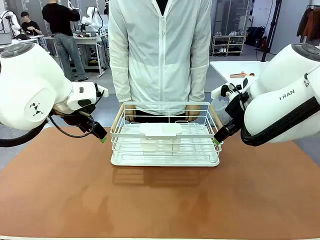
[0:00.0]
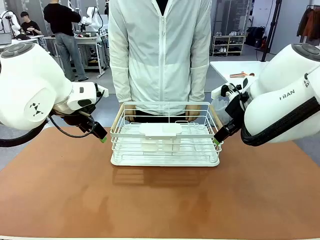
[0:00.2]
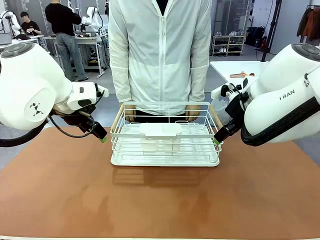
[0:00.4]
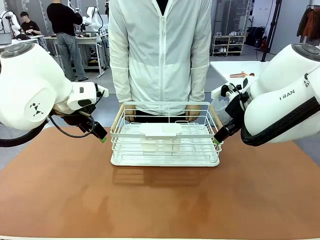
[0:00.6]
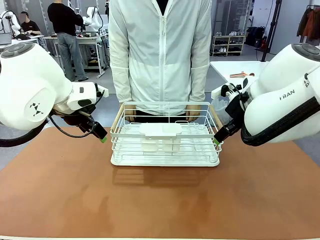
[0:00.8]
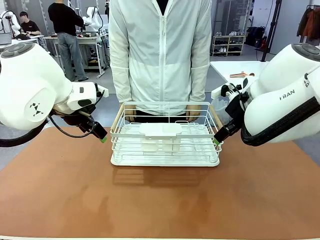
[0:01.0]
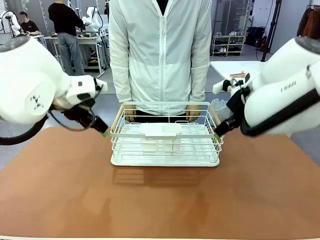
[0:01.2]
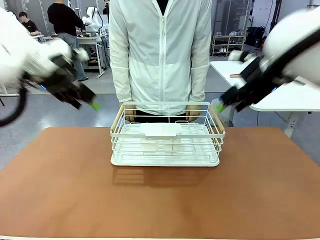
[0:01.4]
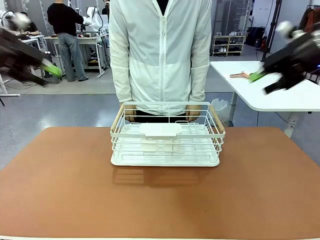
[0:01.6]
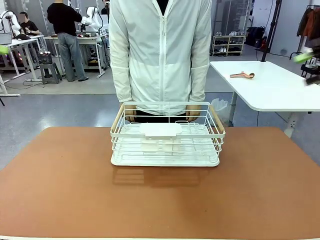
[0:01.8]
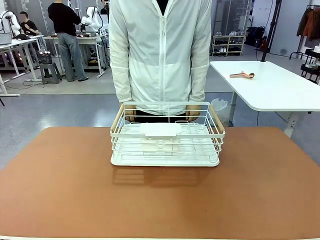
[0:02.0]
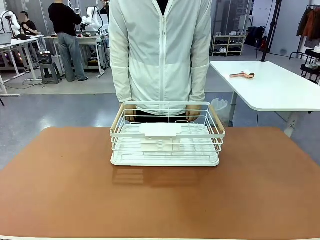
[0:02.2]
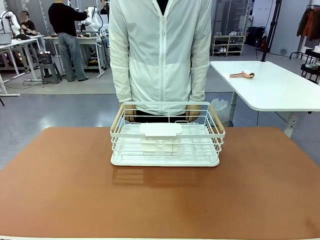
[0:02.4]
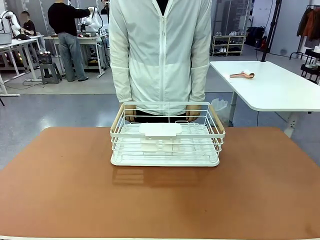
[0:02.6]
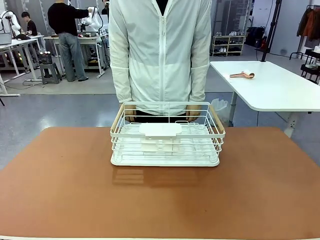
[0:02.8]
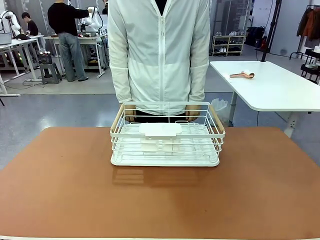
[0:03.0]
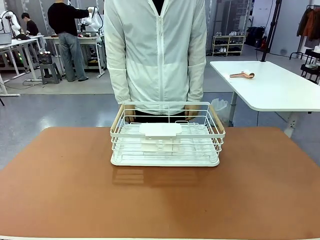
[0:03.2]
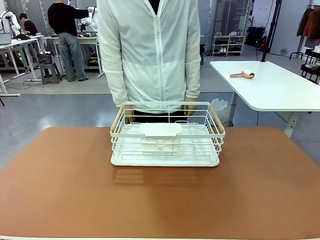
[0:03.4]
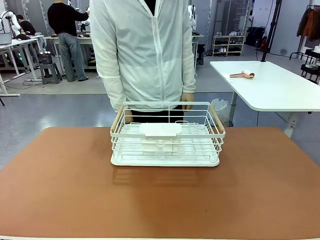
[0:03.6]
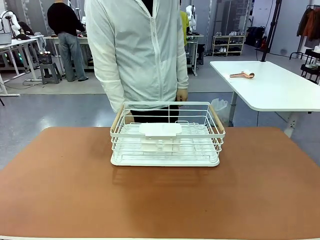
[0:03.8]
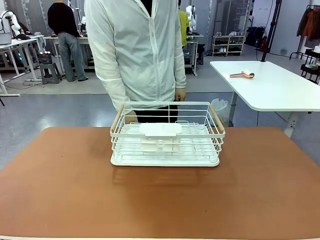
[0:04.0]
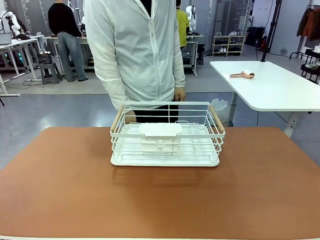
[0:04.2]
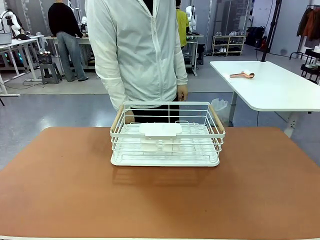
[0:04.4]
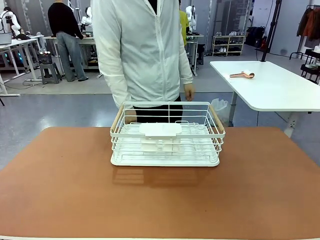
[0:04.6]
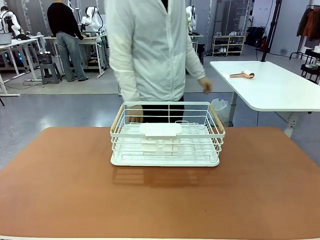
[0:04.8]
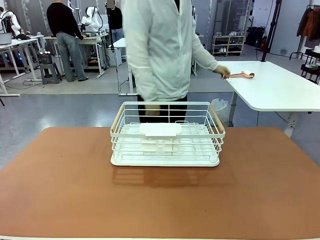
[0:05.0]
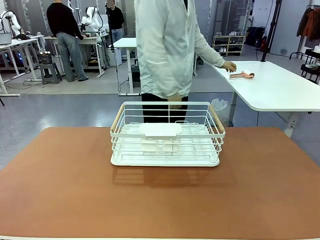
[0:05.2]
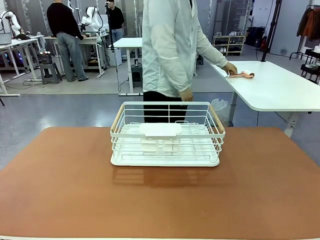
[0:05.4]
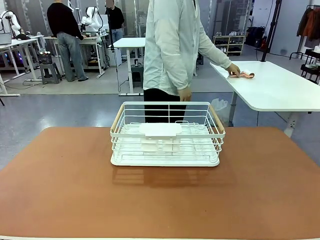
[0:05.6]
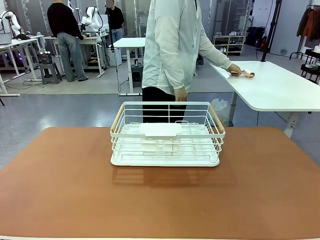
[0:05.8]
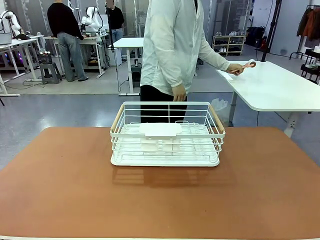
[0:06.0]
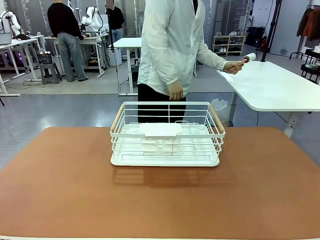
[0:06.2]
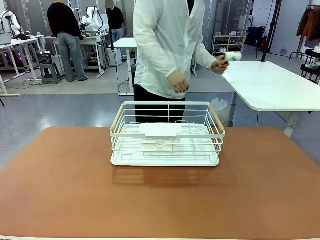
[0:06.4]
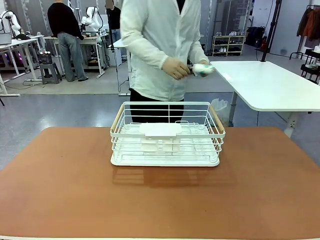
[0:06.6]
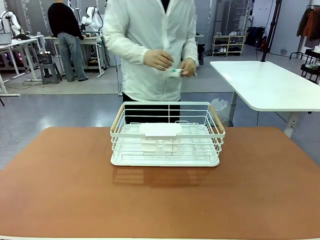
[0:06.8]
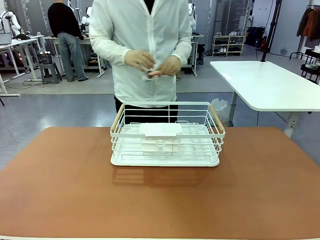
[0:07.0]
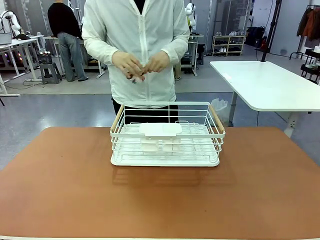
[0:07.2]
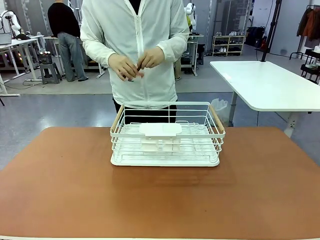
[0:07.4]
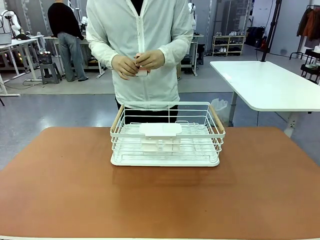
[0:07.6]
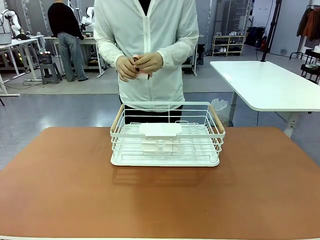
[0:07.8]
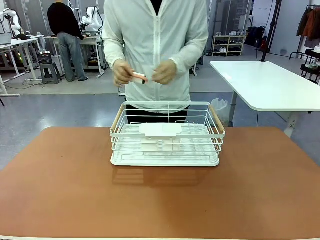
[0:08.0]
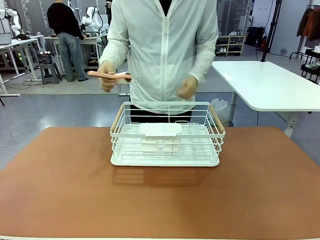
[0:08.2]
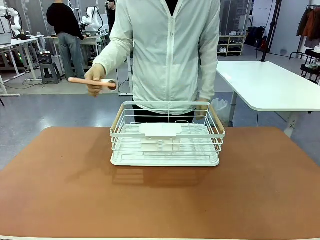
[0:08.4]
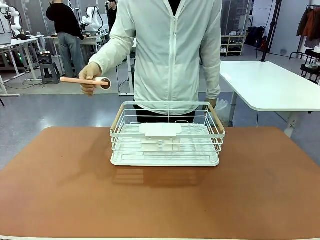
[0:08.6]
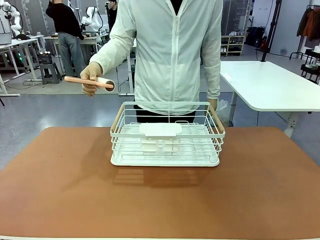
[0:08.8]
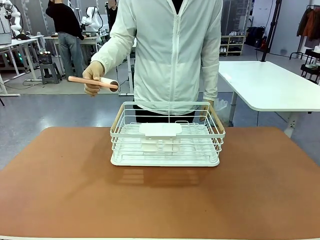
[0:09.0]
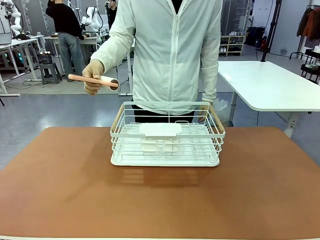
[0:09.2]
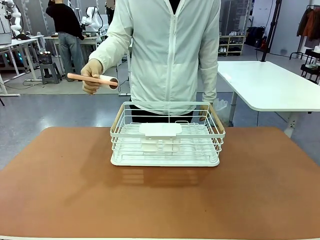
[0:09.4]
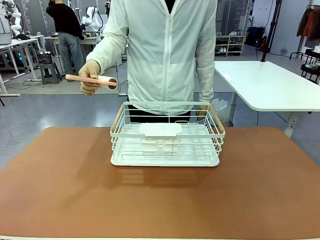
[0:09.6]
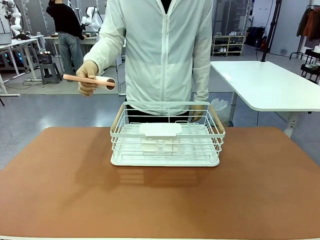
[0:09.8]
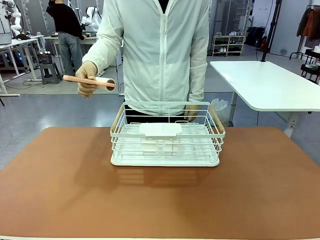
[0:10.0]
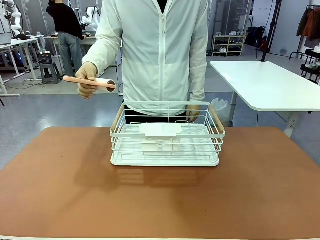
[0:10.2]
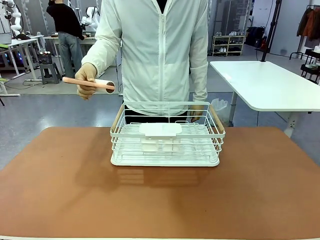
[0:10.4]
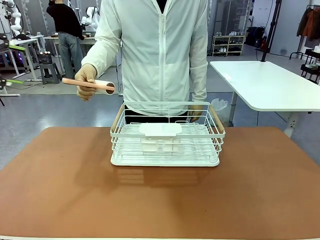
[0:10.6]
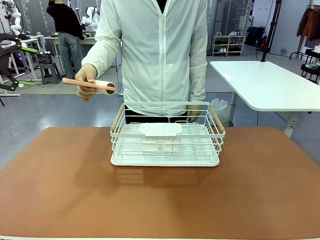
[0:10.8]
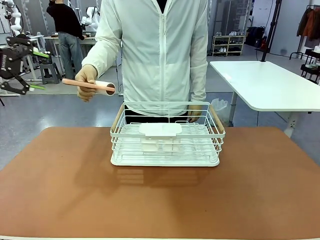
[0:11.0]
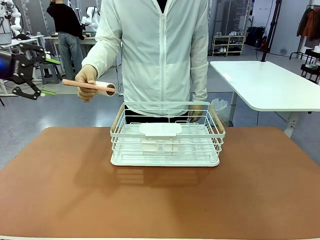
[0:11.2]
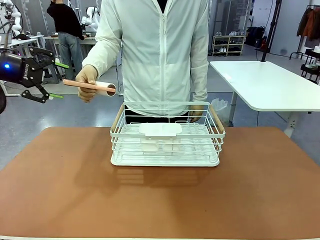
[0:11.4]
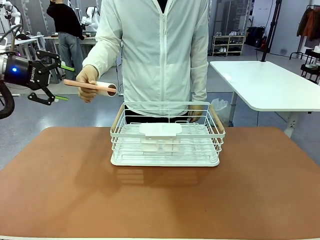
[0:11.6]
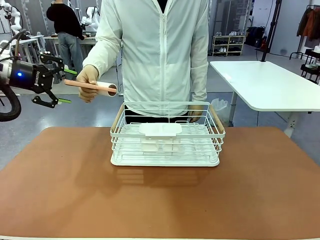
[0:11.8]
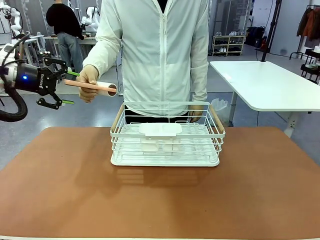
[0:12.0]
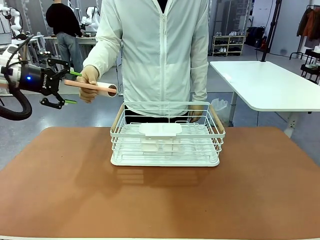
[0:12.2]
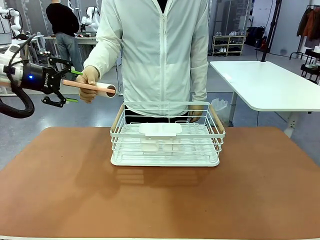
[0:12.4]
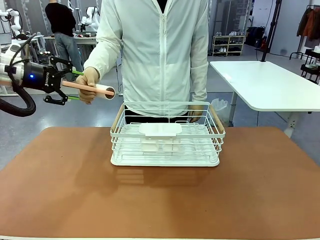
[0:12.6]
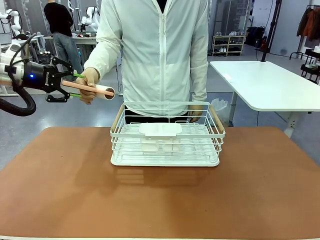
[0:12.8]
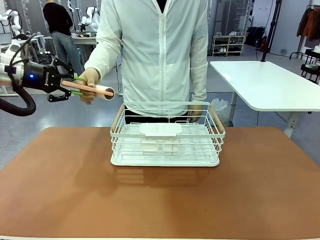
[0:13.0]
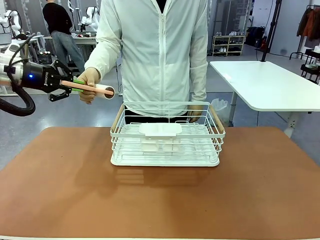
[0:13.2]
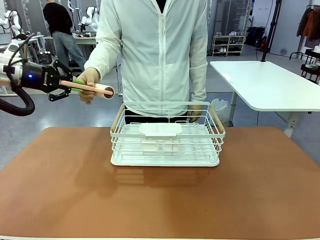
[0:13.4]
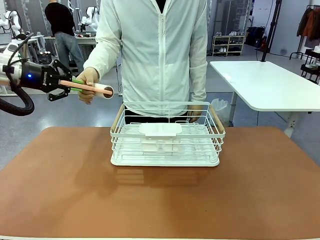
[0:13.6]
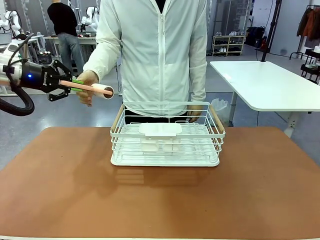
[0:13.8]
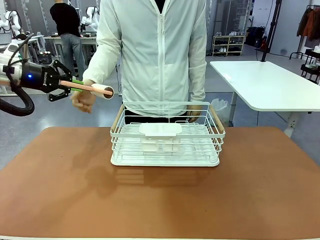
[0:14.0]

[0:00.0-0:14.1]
Task: Clean the table.
Robot: Pick up the Lint Roller when the human hands it over.
Person: Hand the Lint Roller to the robot so it can easily pick it up. Lift the Dish drying rack.

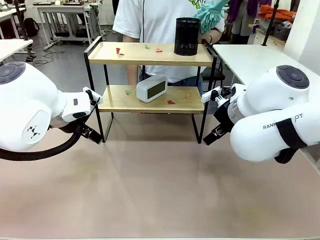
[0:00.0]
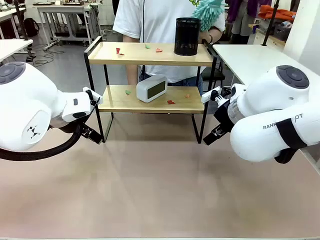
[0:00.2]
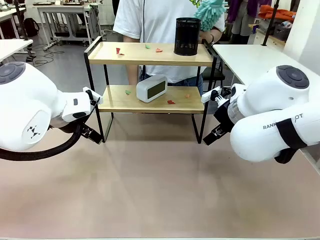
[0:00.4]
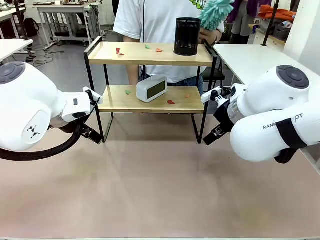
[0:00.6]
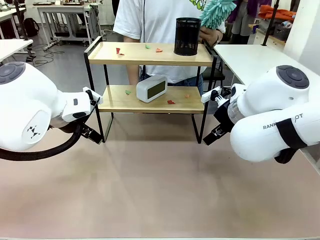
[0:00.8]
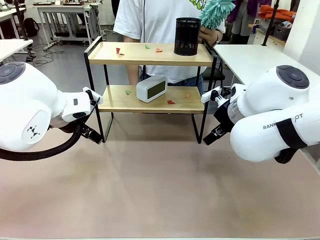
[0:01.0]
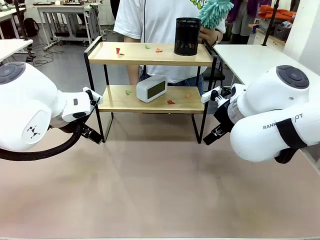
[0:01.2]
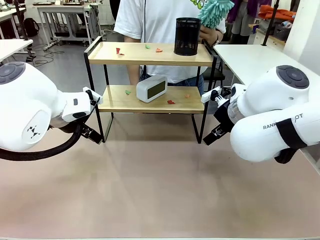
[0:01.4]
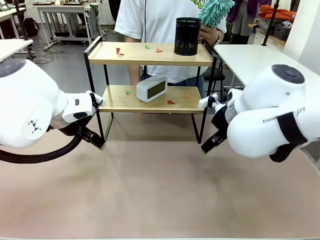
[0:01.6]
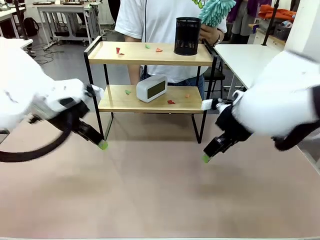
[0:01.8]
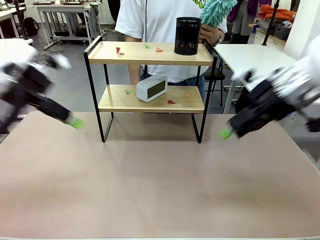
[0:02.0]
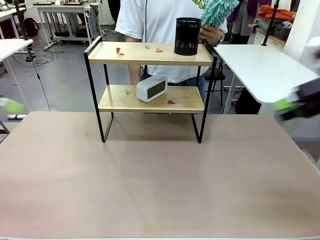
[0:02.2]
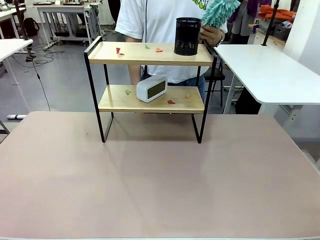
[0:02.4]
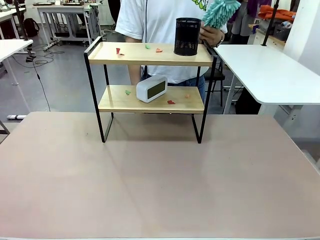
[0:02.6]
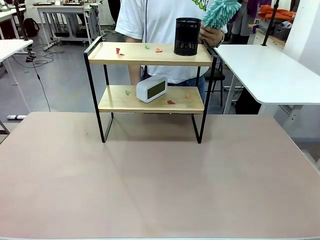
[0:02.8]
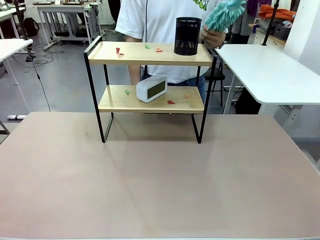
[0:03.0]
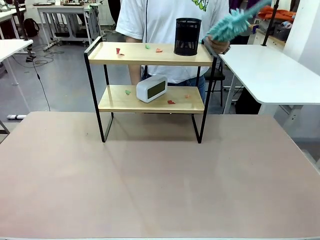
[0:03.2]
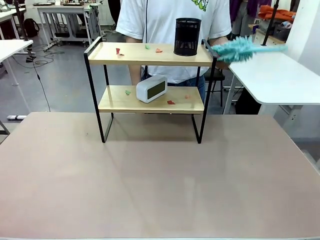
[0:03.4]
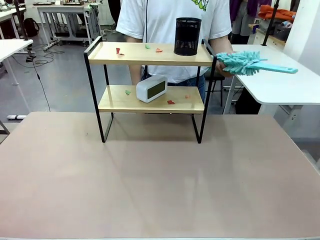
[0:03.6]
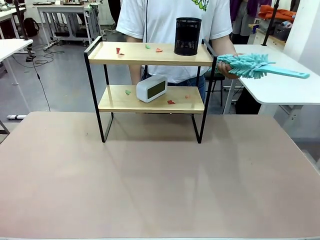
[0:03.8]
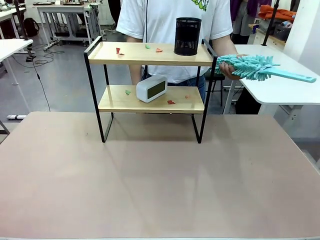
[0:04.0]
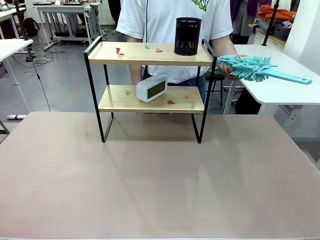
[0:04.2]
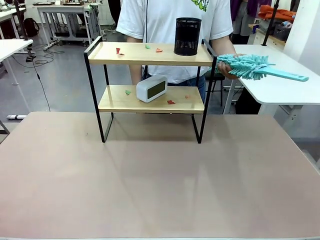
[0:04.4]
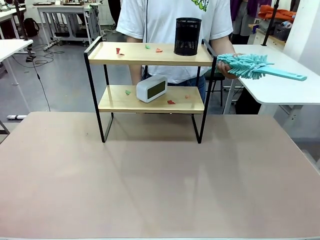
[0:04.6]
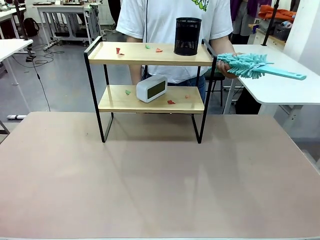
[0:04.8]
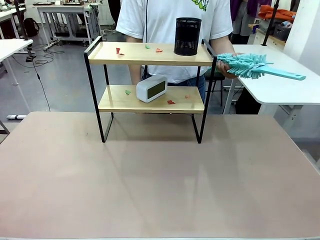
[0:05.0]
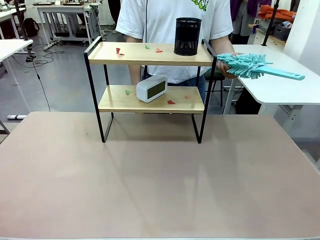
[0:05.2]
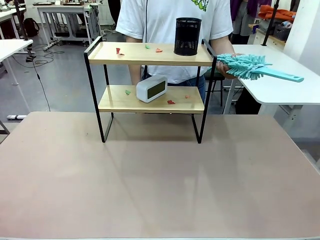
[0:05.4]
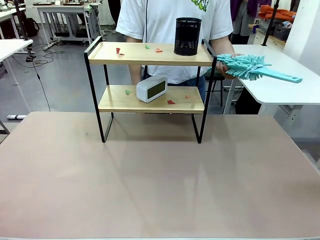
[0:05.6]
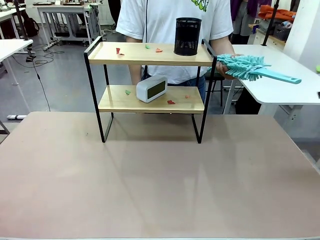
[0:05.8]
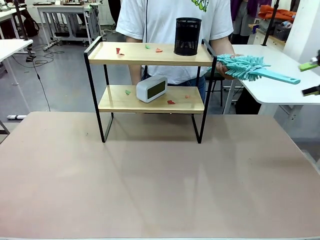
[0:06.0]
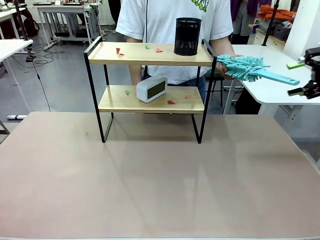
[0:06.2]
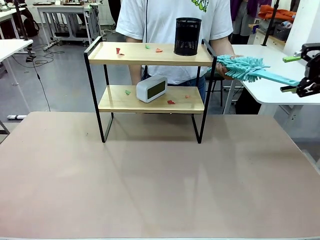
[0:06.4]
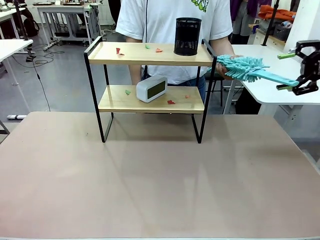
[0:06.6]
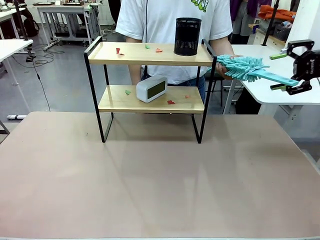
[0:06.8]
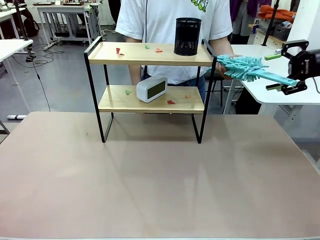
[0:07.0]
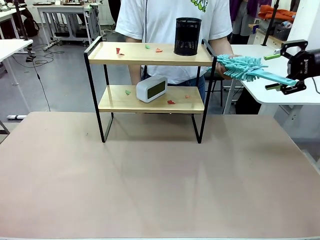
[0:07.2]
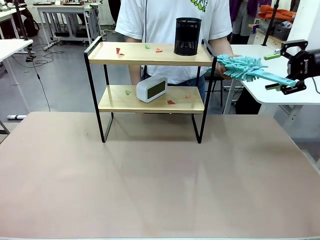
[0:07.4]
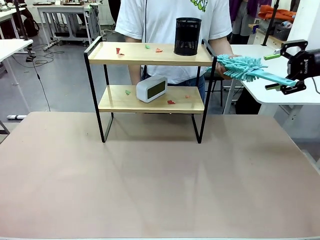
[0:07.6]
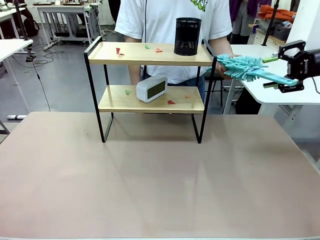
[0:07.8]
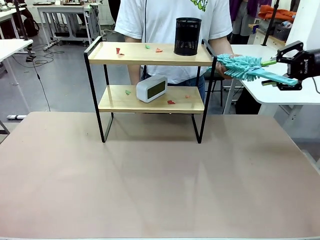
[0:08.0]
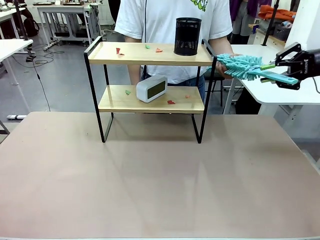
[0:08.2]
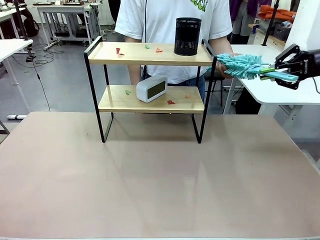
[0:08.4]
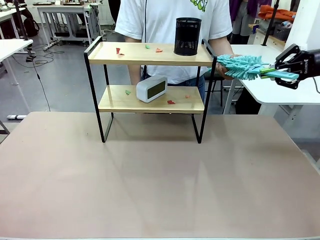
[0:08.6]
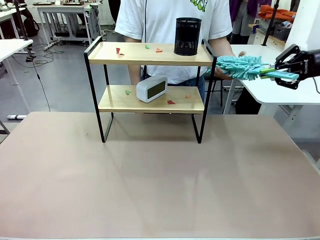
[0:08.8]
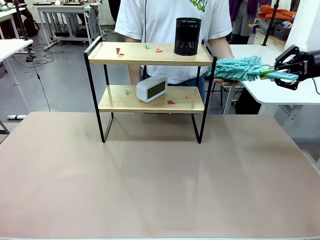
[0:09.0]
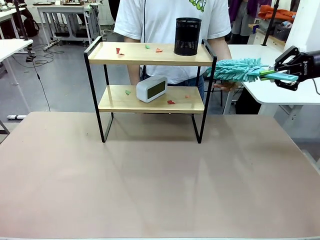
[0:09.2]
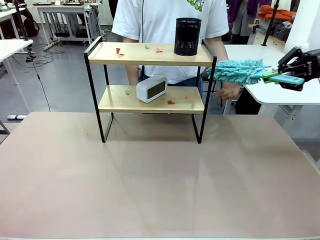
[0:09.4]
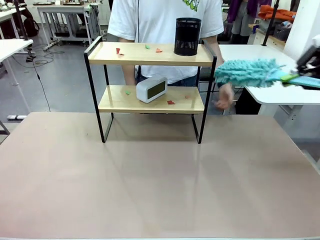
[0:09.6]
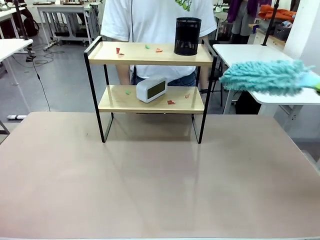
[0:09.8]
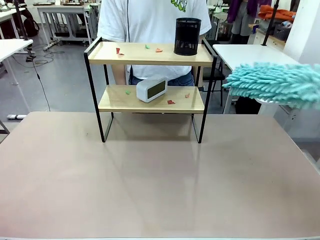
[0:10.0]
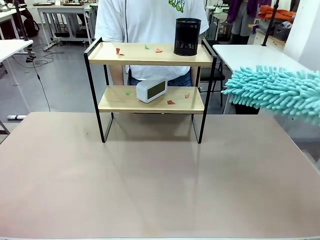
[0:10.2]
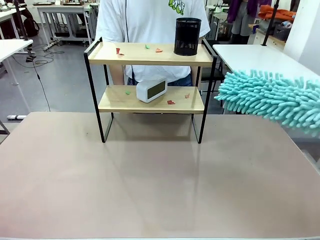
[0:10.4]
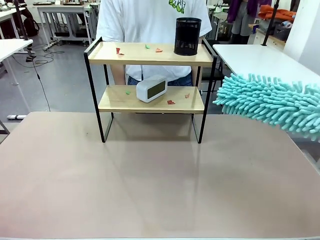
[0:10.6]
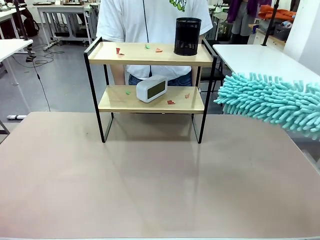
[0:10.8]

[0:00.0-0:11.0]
Task: Clean the shelf.
Robot: Pick up the Duster from the human.
Person: Hand the Duster to the robot.
